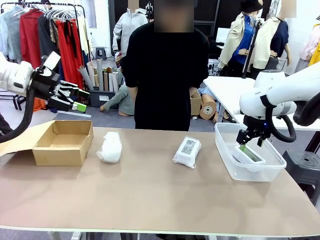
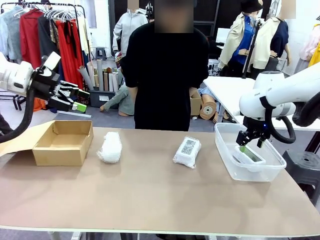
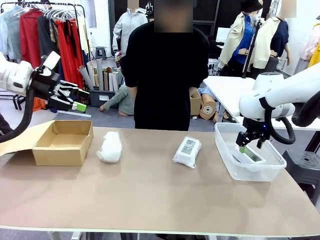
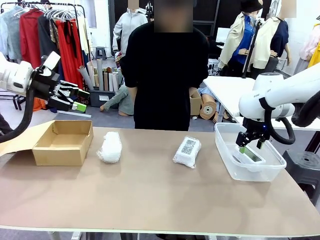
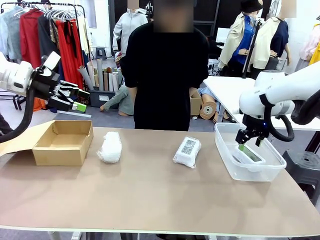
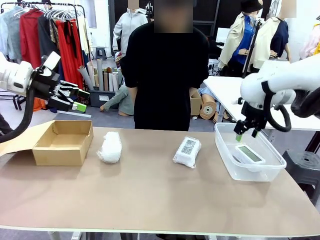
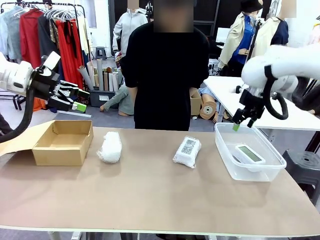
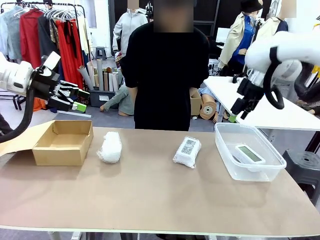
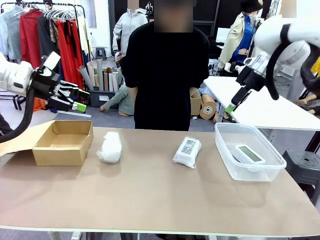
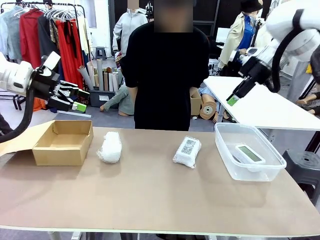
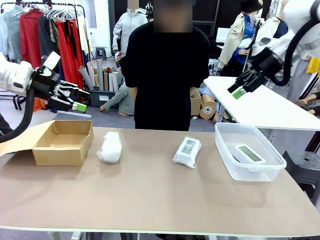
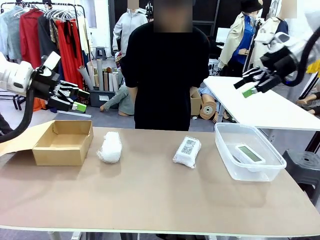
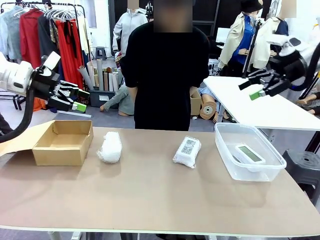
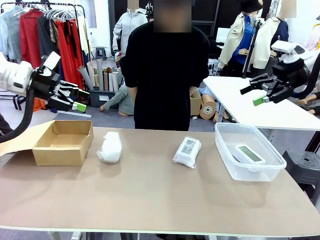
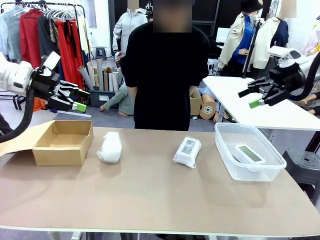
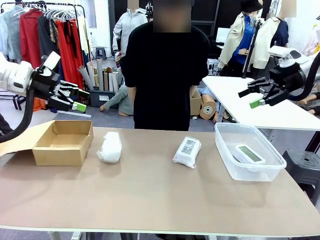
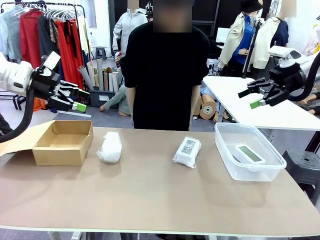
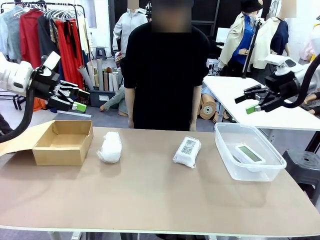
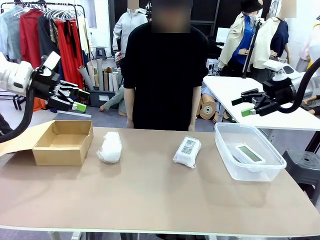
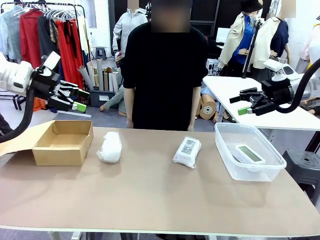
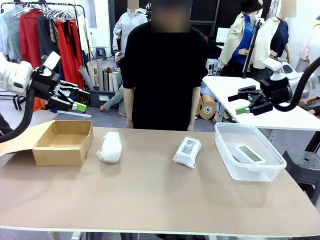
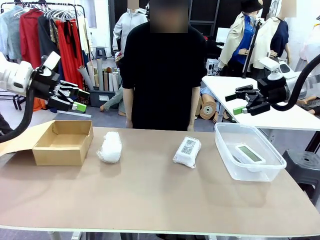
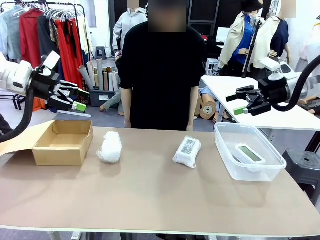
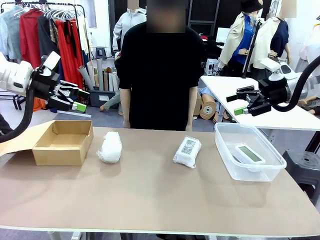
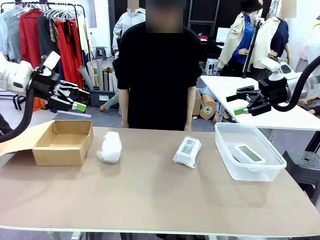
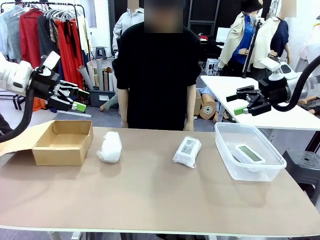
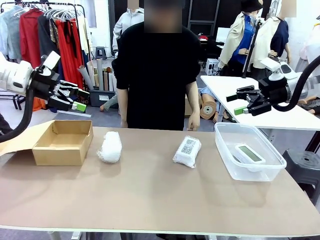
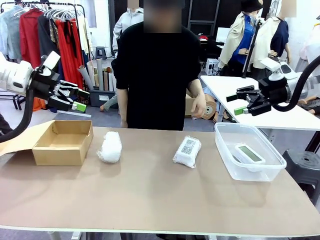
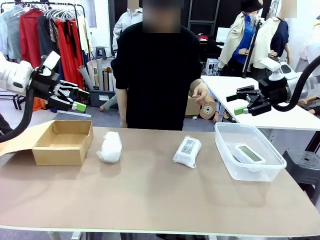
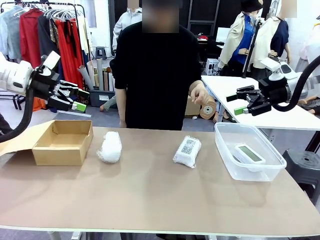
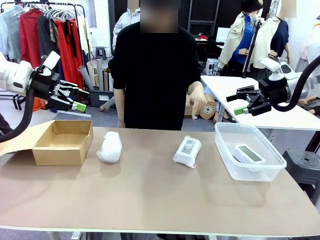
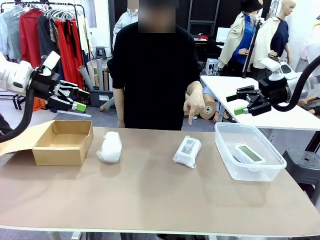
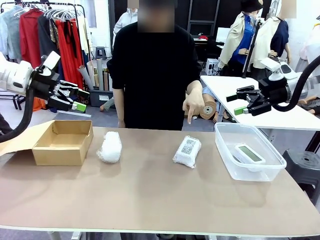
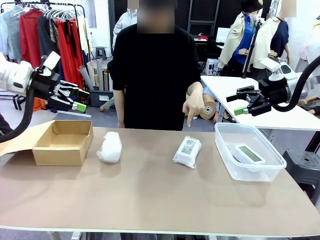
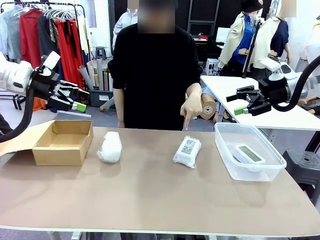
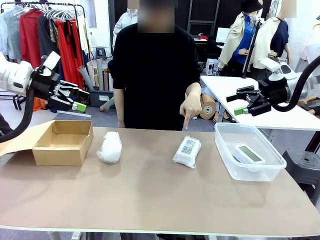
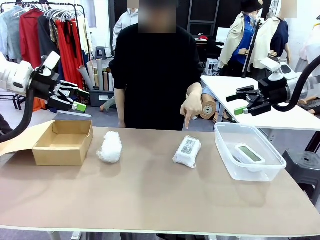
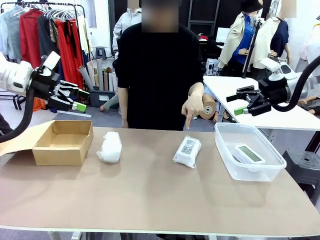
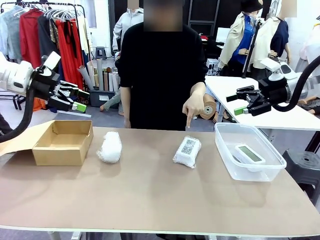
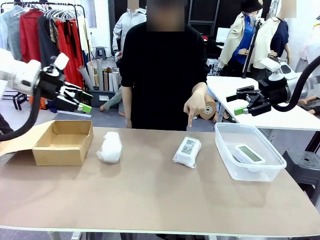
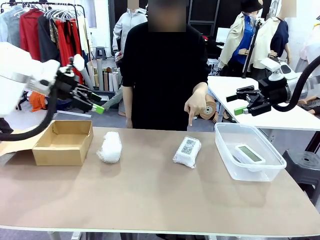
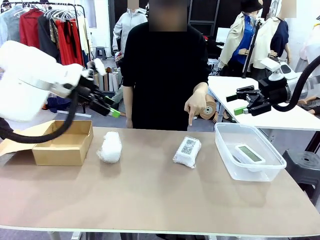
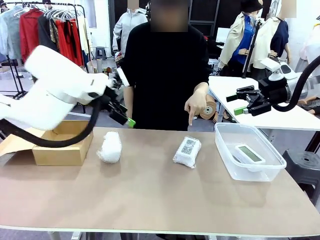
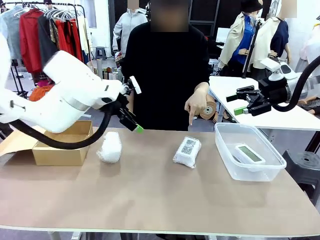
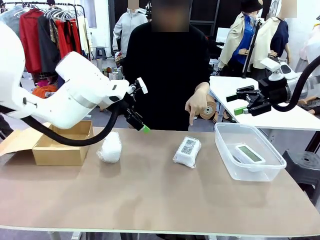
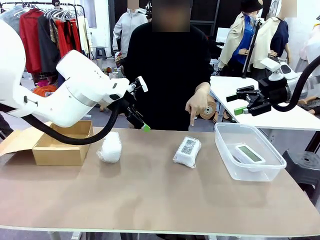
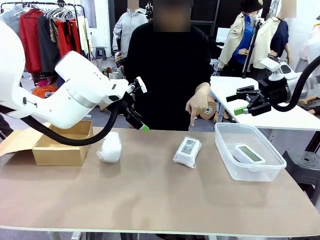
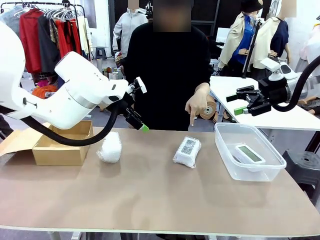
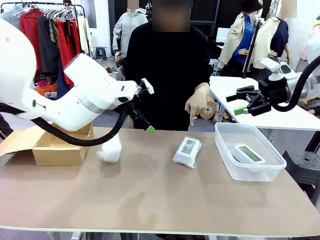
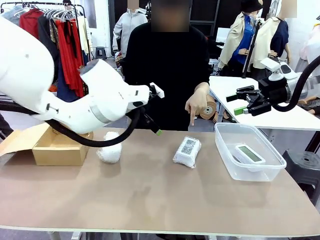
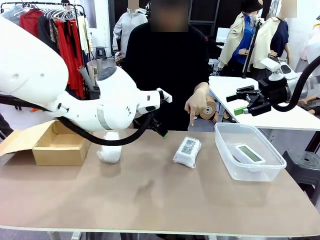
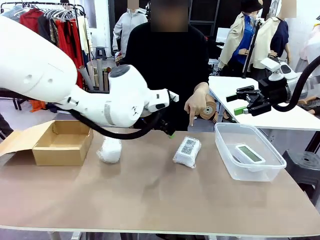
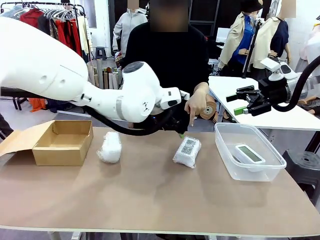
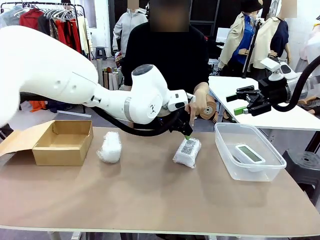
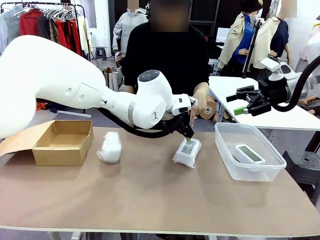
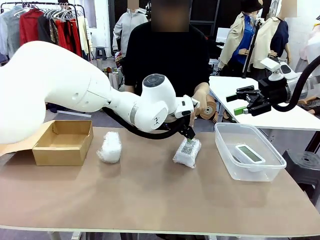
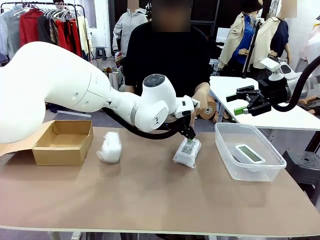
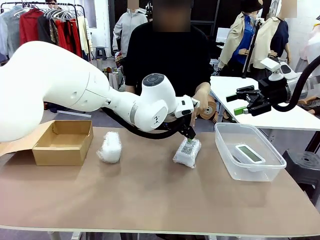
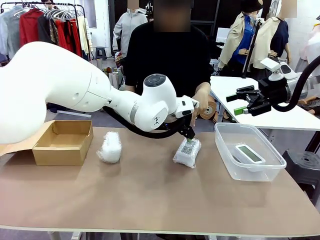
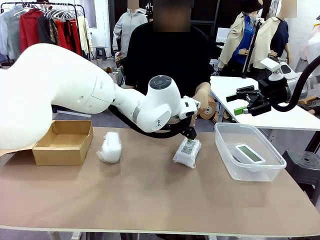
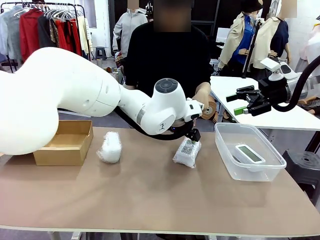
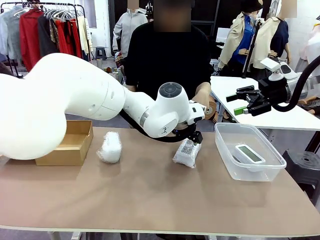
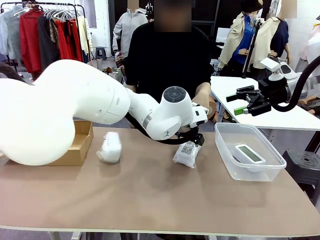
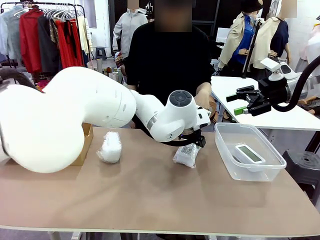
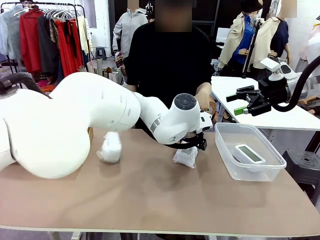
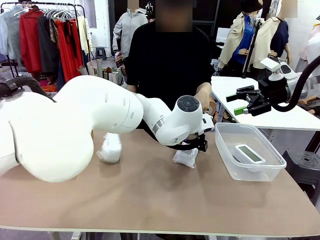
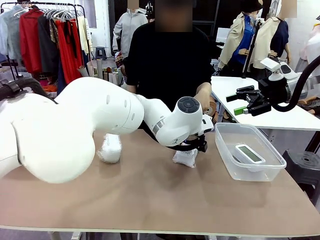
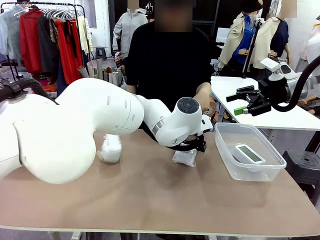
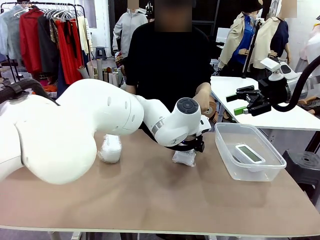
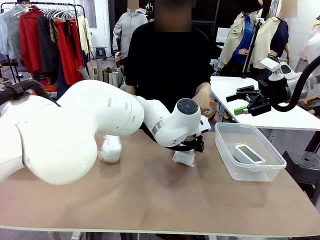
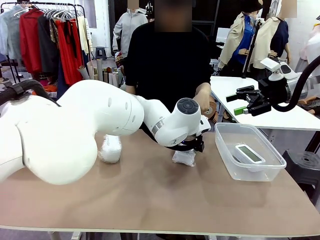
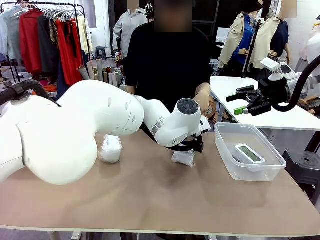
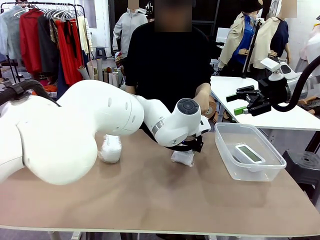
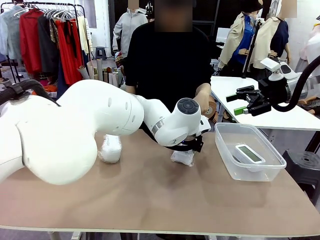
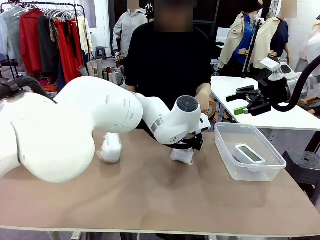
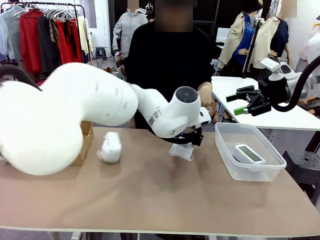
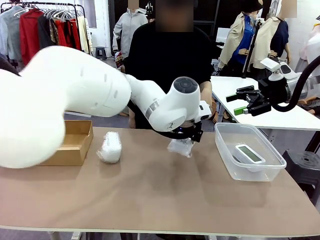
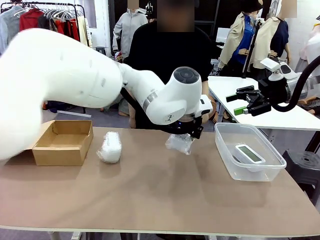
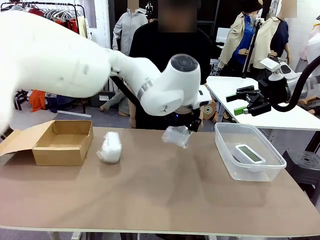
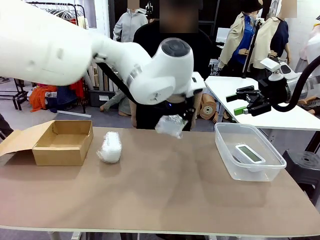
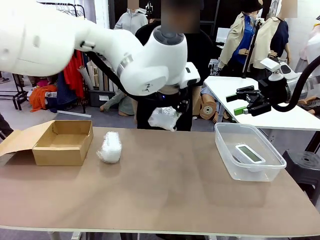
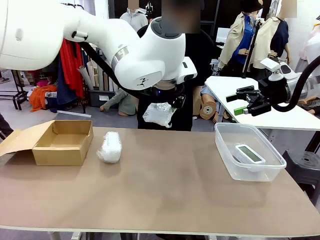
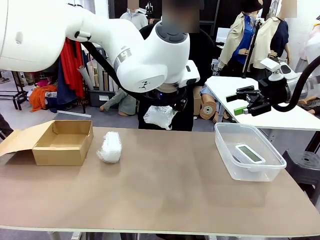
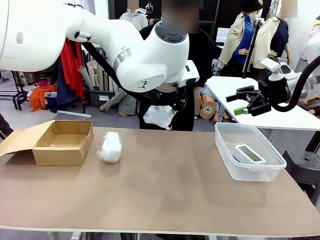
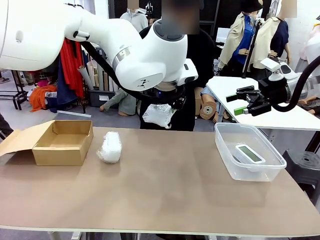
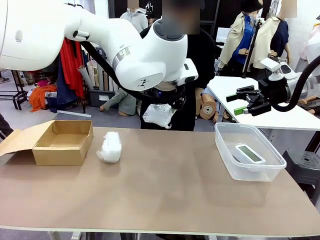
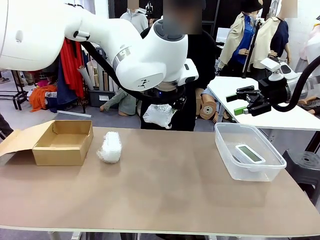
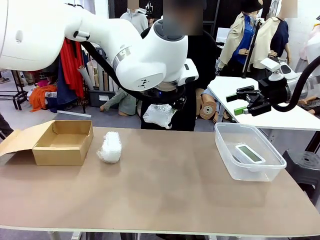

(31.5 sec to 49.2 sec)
Task: Separate and place wrapped and unwrapped clocks.
Robot: Pick up the Digital clock indicated by the person.

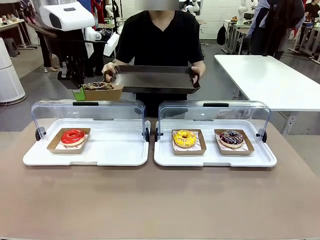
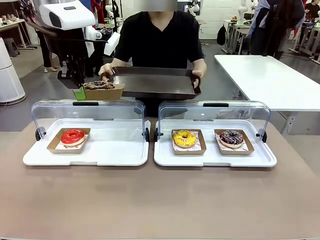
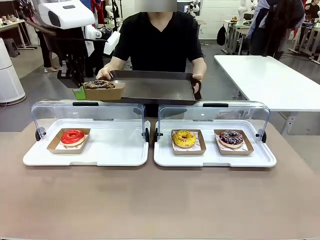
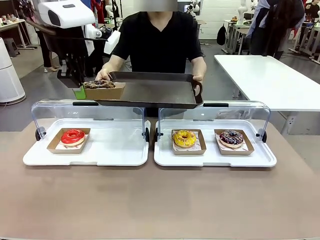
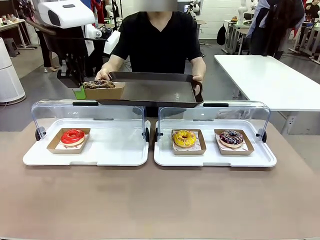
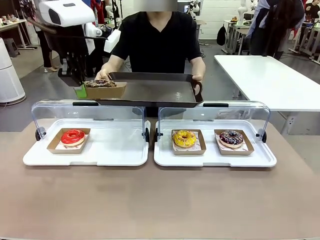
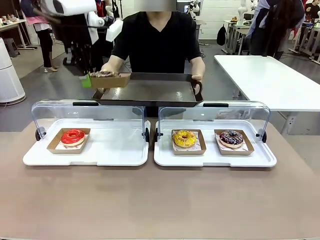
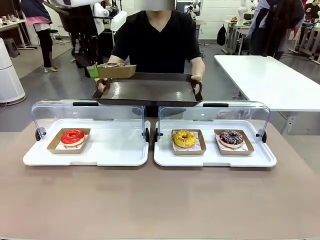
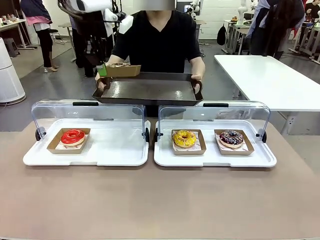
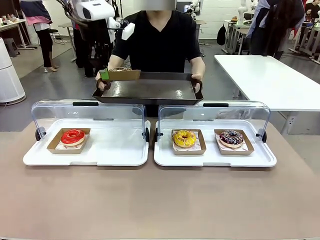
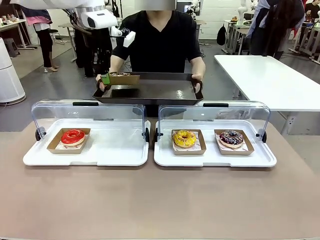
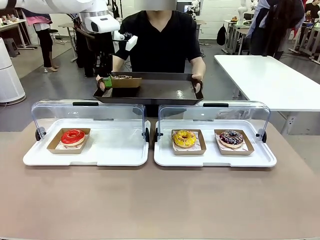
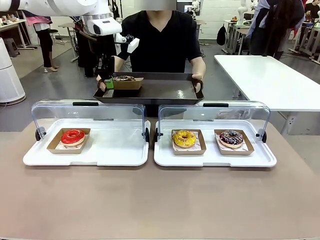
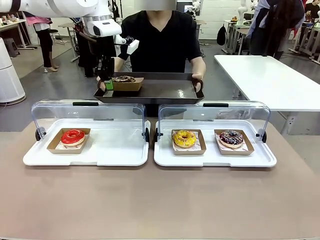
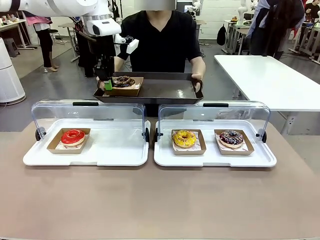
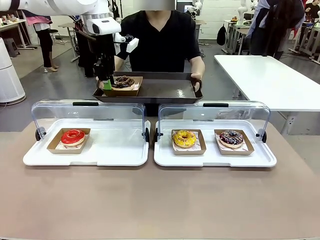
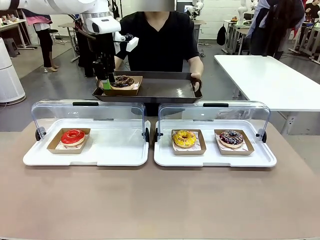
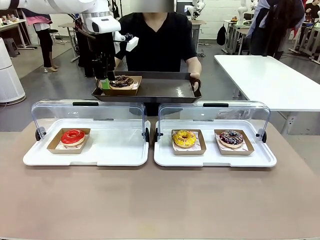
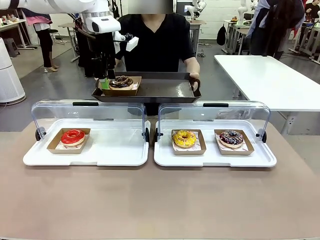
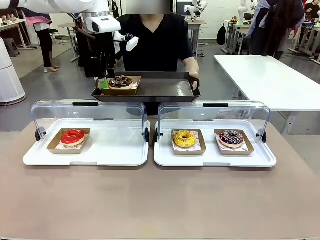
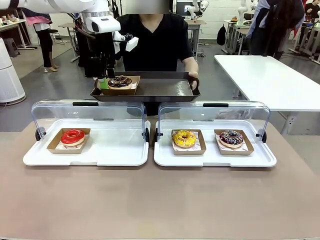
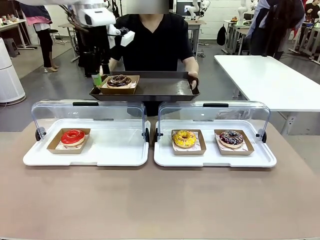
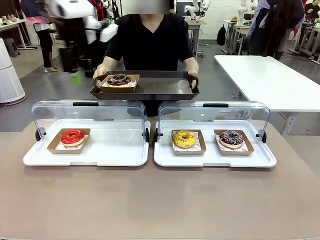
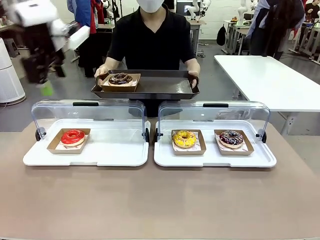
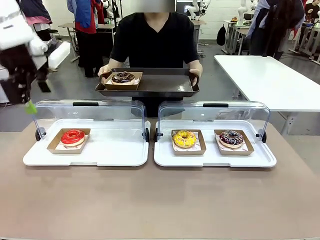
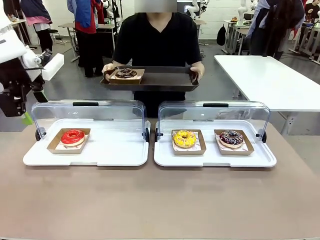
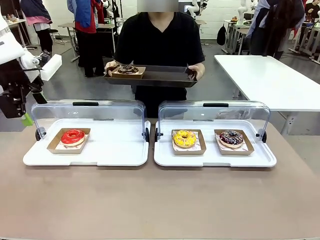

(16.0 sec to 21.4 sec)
Task: Provide the desired donut to the person.
Robot: Place the picked Paper togo box onto the Handle tray extended by the person.
